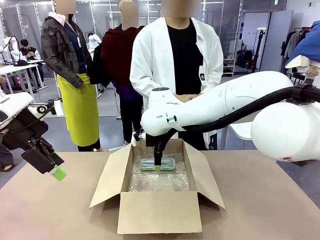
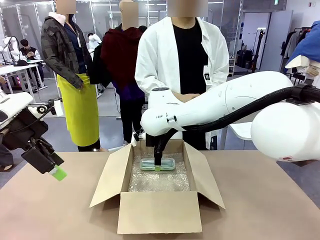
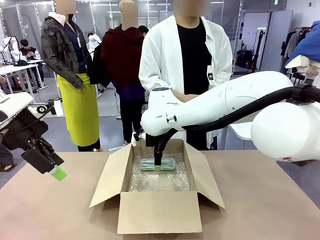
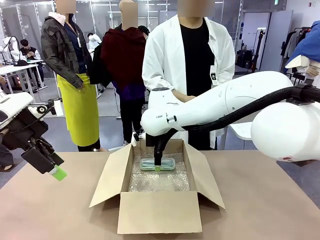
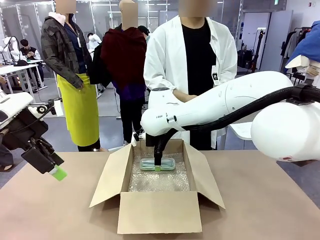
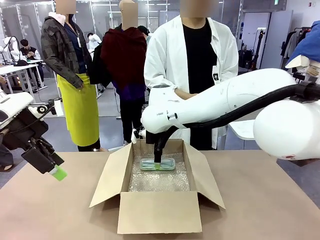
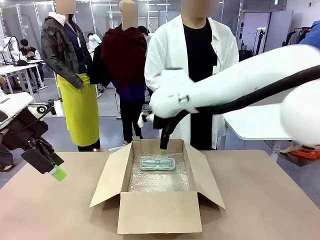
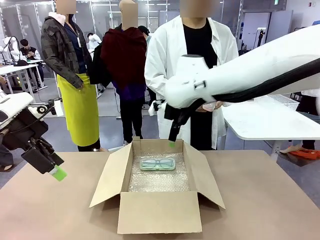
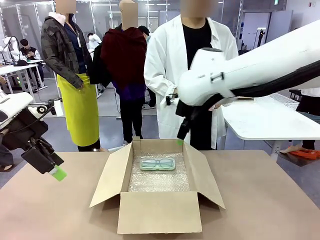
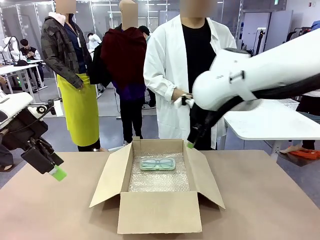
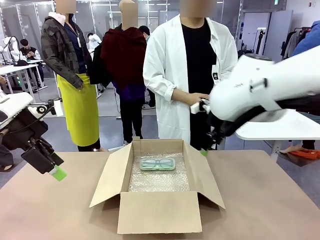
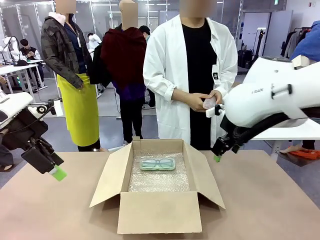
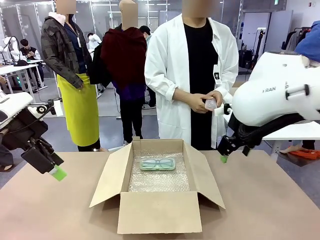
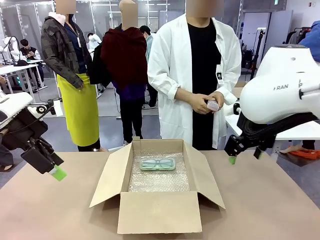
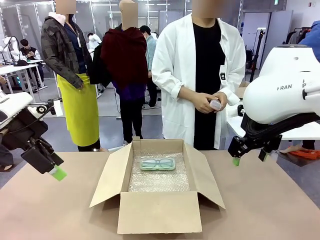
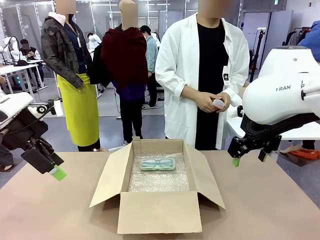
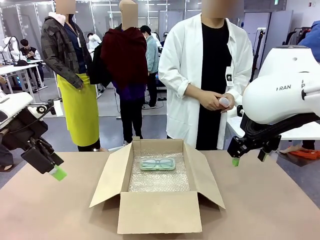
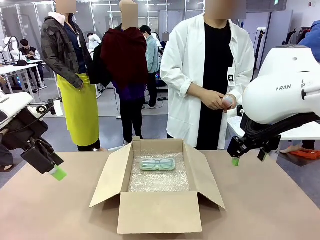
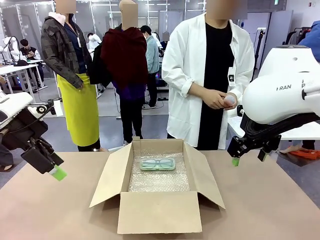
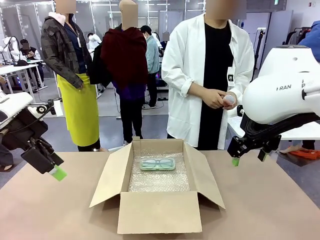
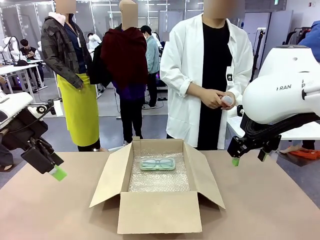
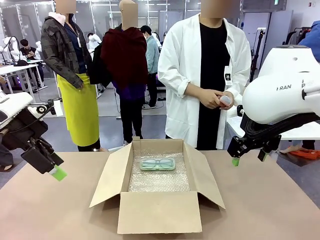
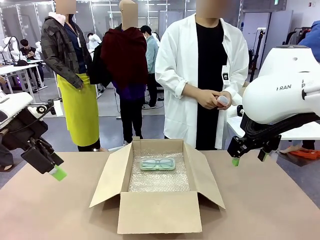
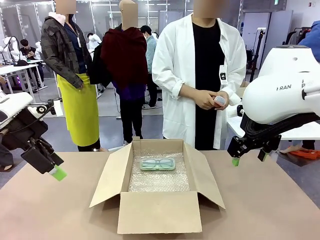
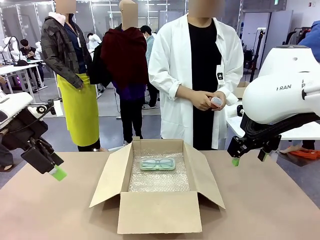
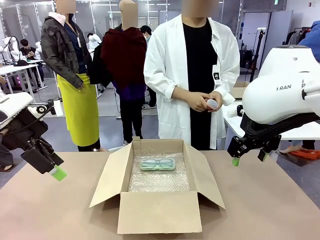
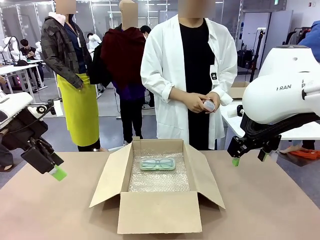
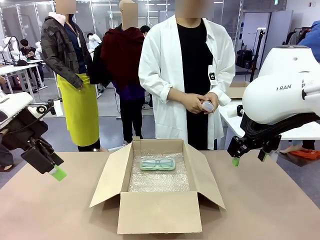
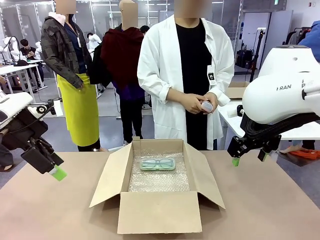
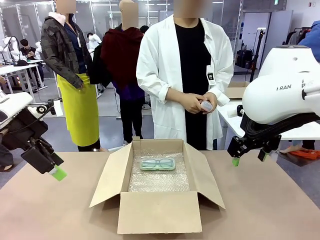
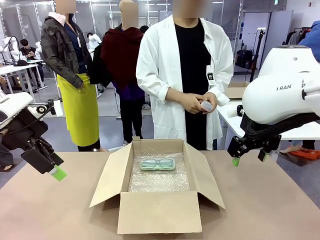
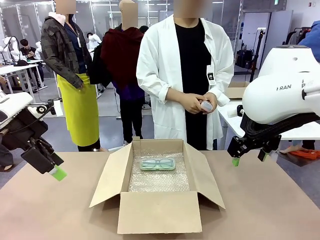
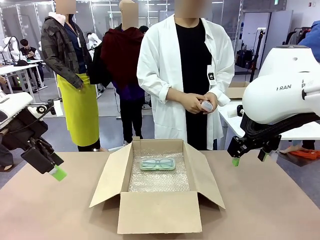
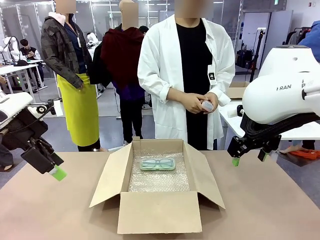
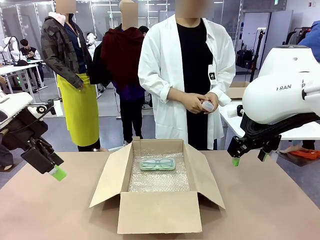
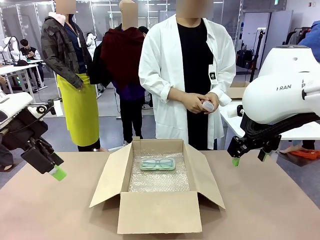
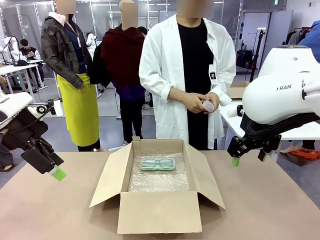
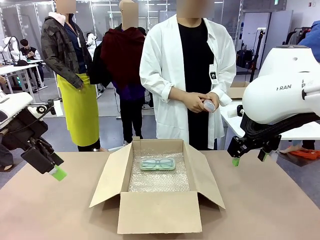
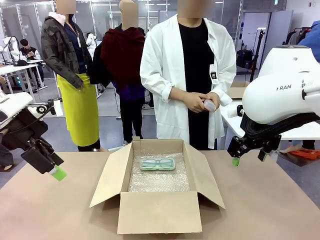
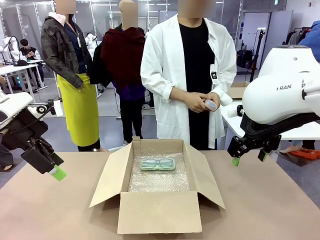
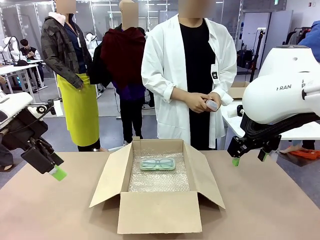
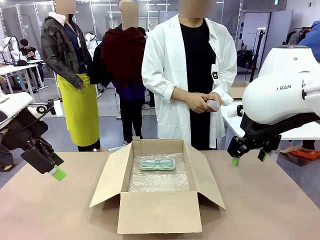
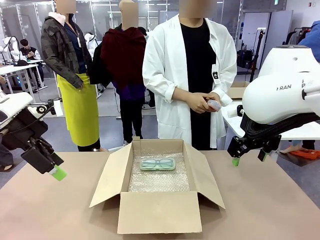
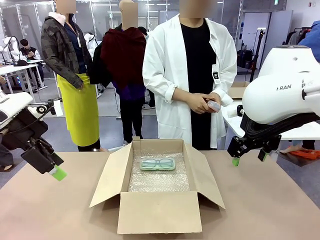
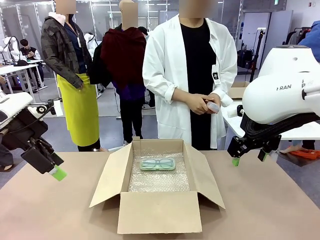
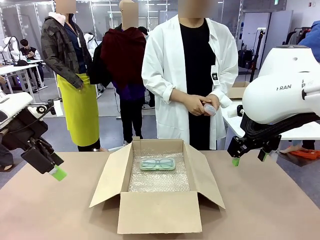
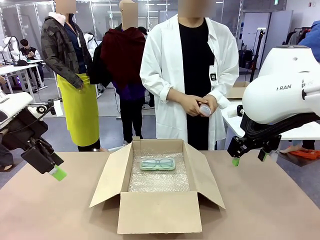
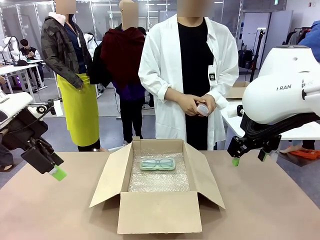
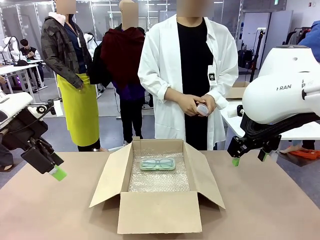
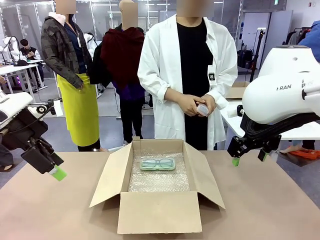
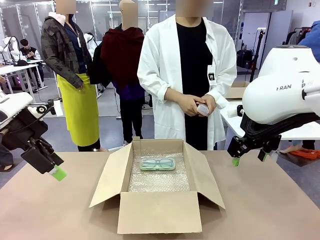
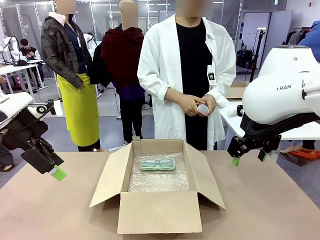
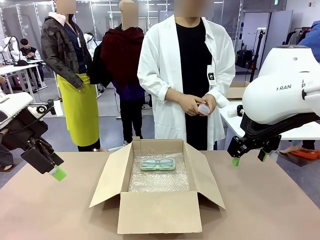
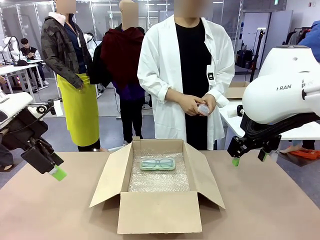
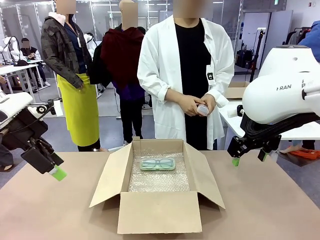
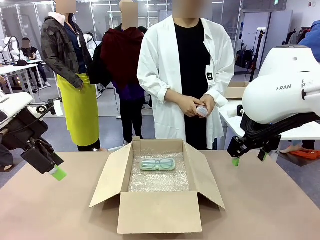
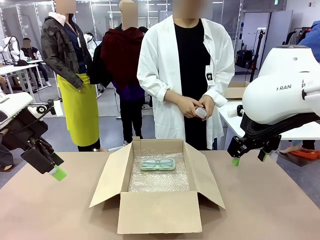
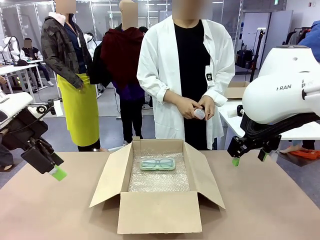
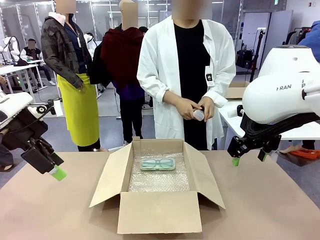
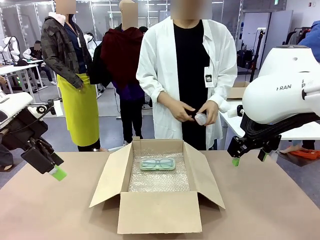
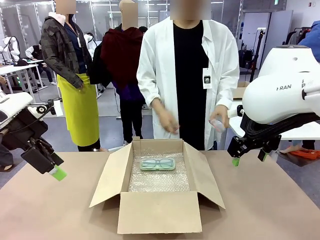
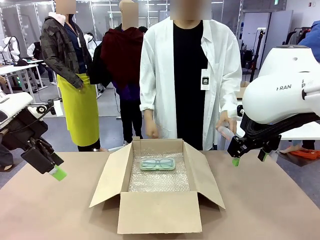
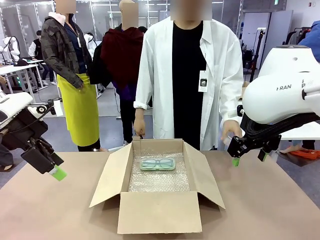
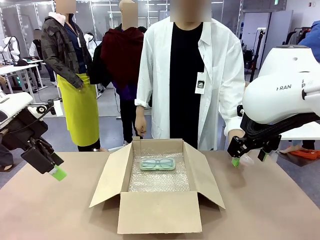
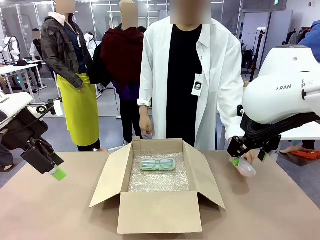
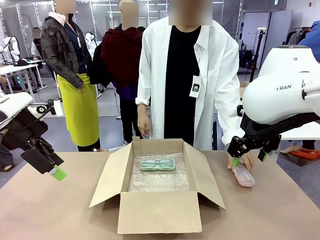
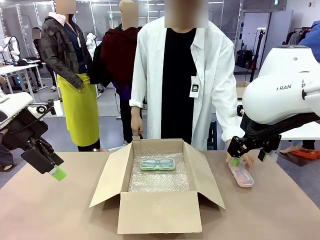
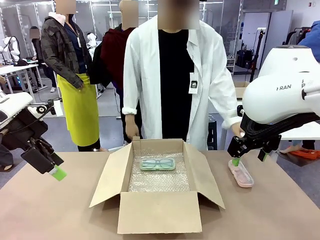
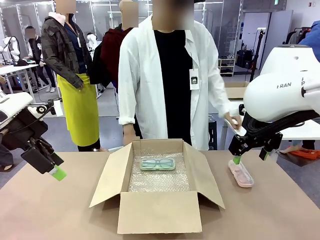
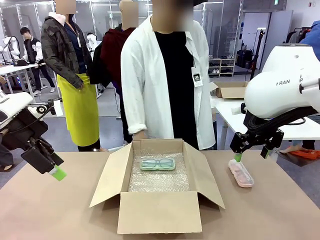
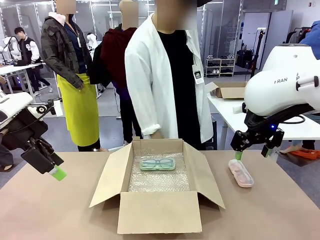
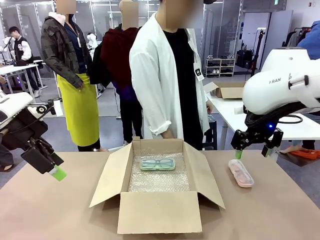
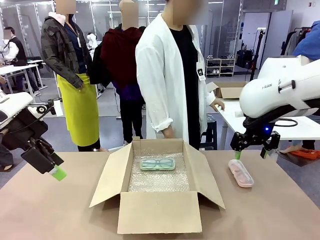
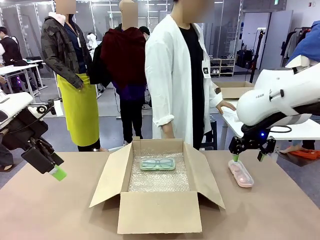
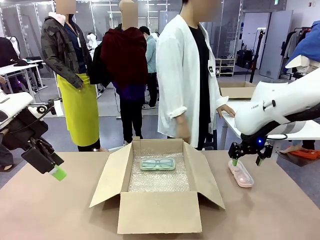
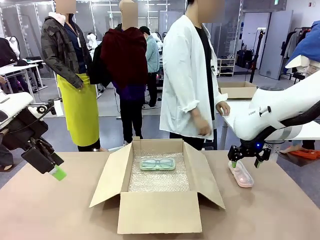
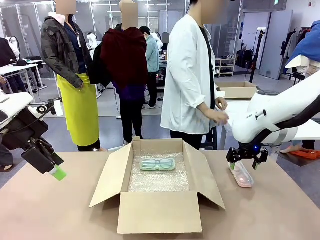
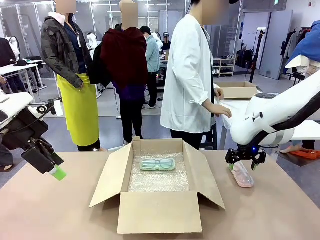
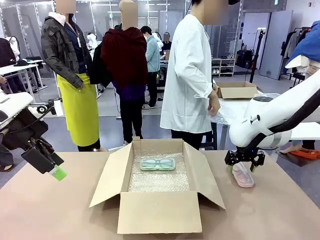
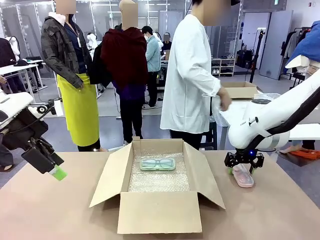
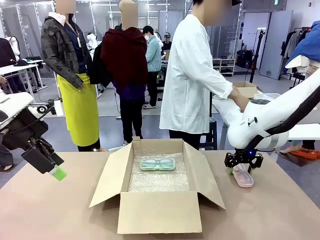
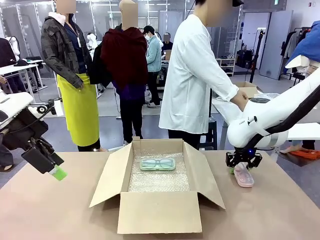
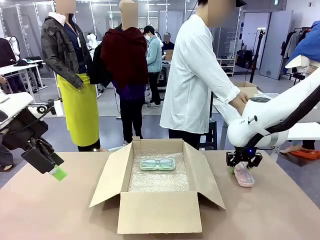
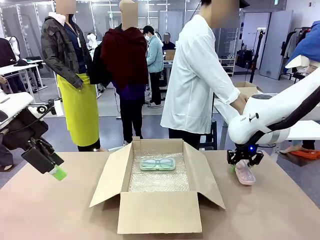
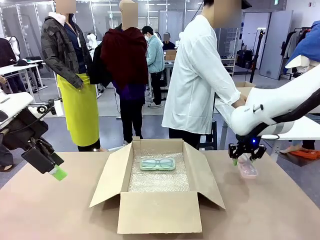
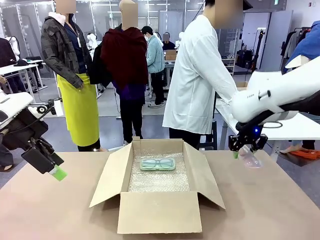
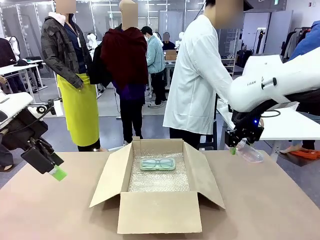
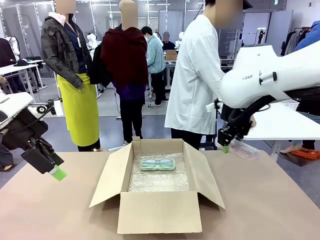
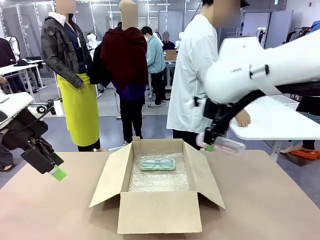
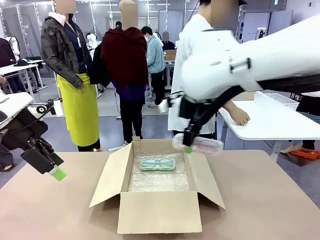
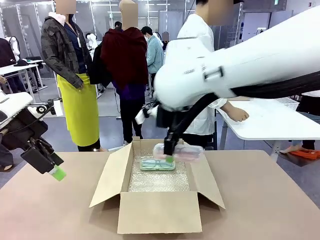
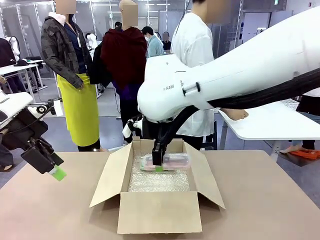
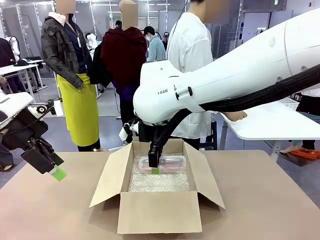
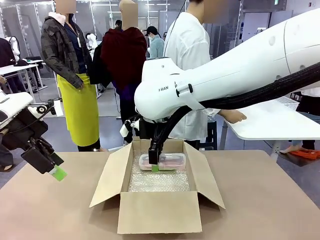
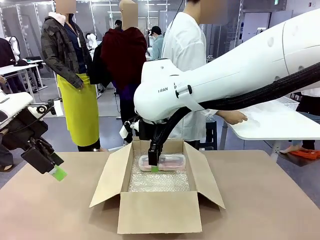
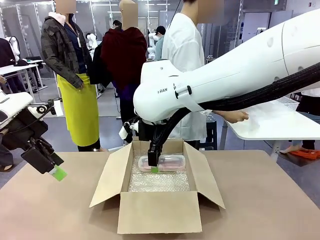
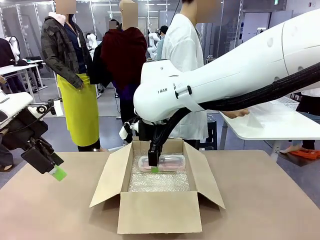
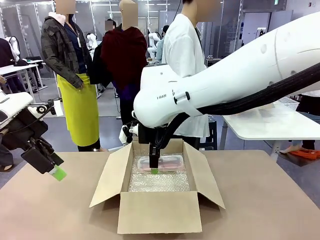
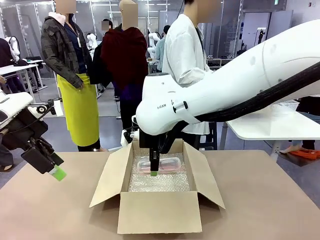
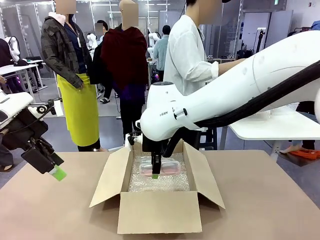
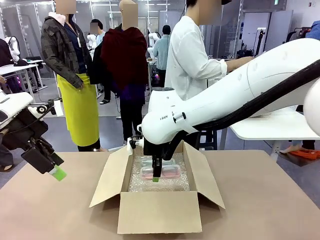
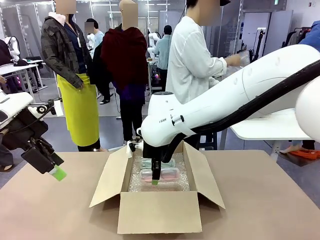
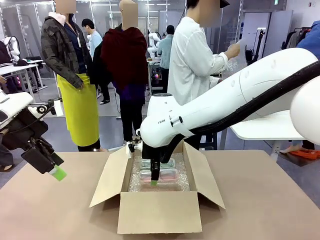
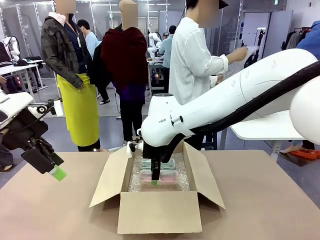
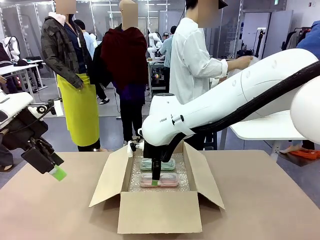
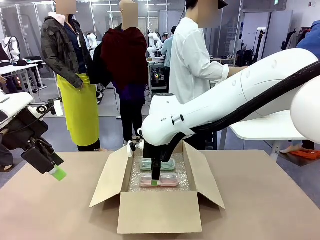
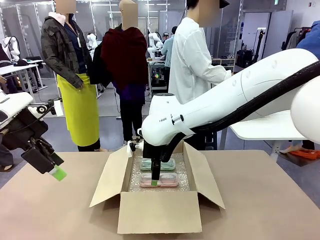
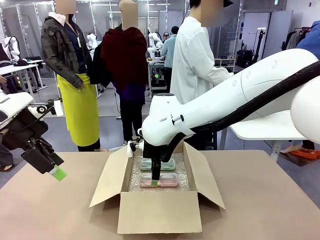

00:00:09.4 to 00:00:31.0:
Task: Pack the glasses set securely to prepare it for shipping.
Robot: Put the Glasses case from the right side of the table into the Package Box.
Person: Position the Glasses case on the left side of the robot's table.
